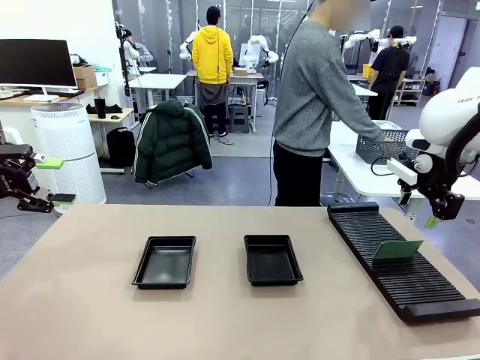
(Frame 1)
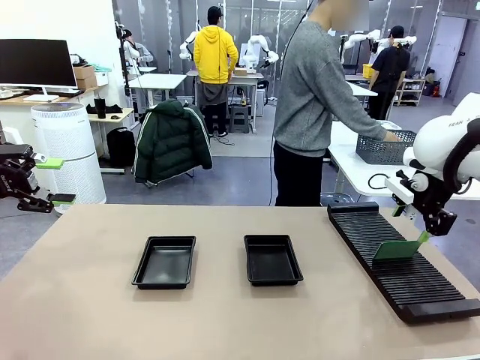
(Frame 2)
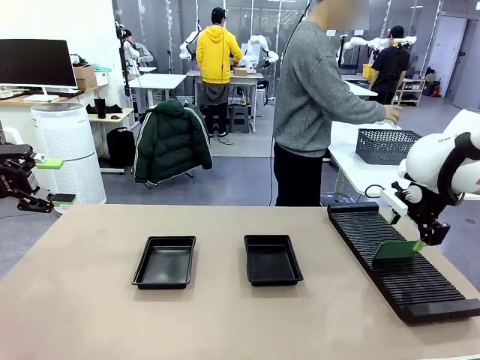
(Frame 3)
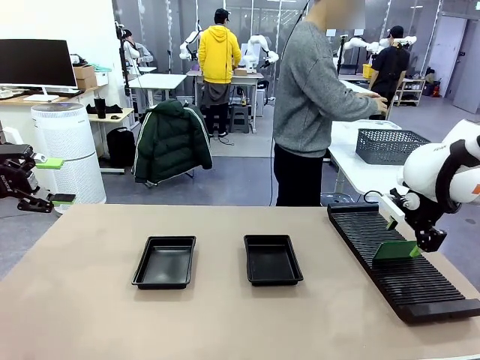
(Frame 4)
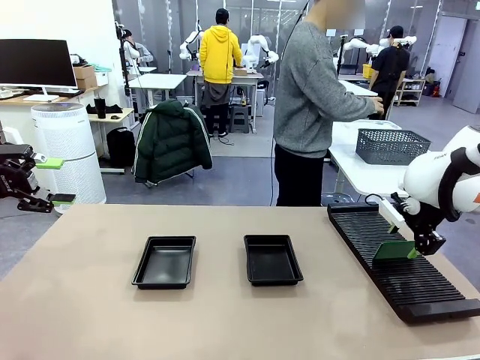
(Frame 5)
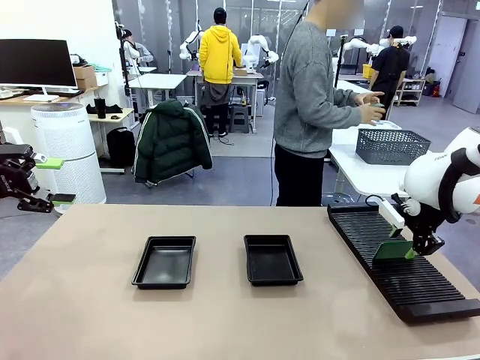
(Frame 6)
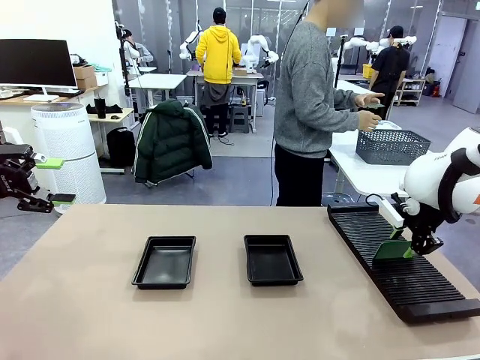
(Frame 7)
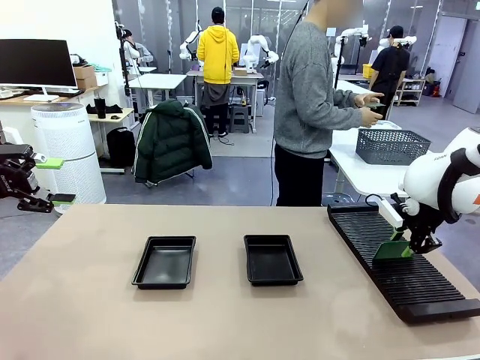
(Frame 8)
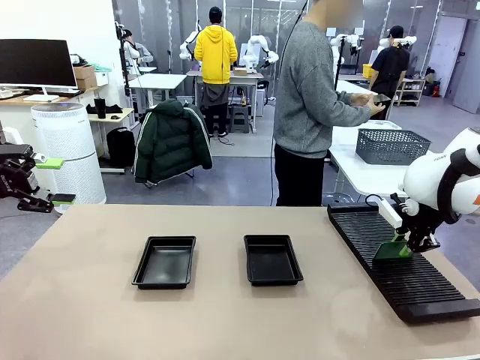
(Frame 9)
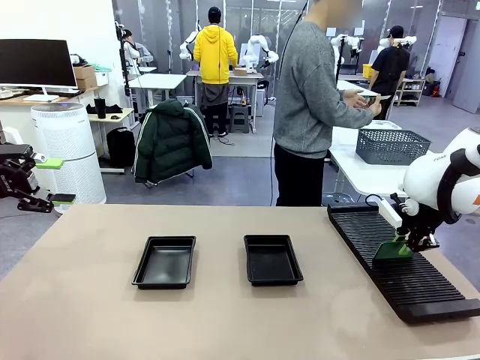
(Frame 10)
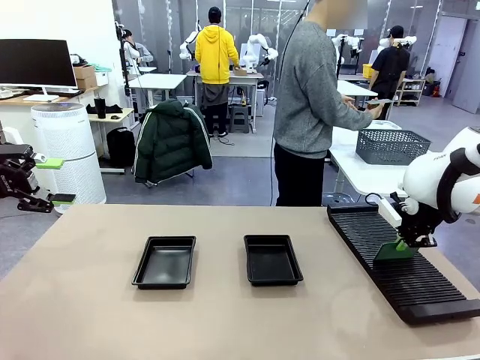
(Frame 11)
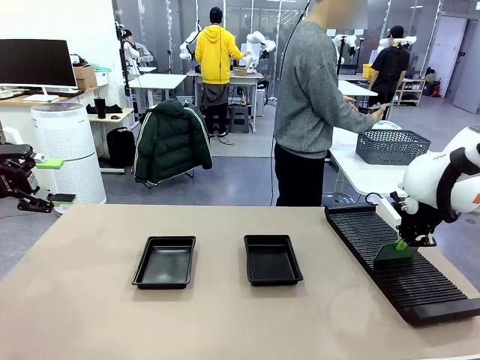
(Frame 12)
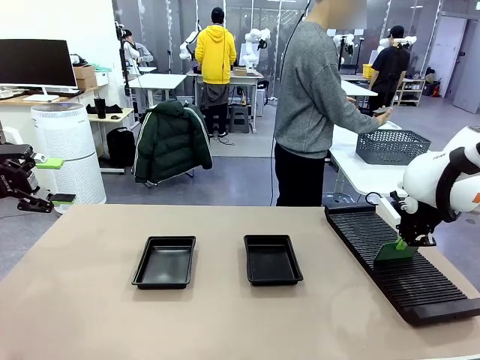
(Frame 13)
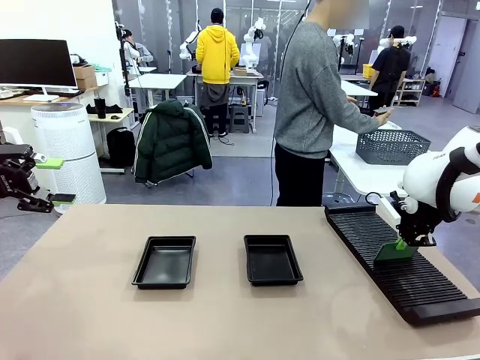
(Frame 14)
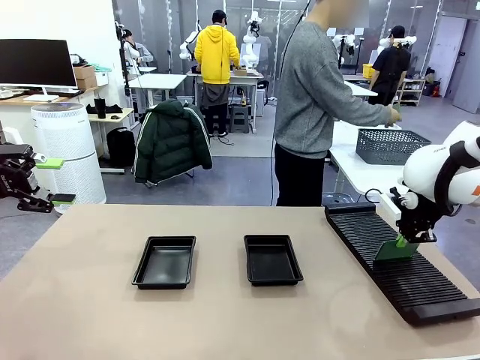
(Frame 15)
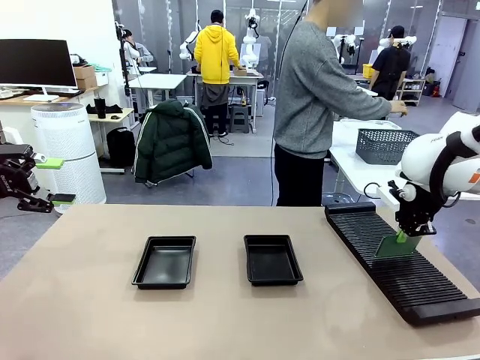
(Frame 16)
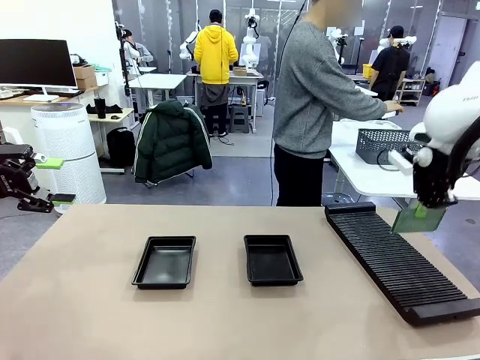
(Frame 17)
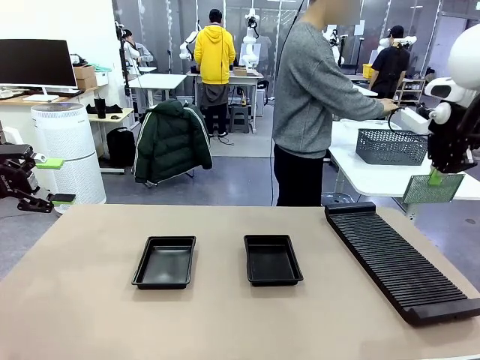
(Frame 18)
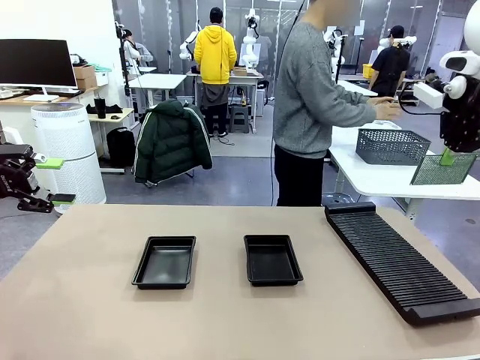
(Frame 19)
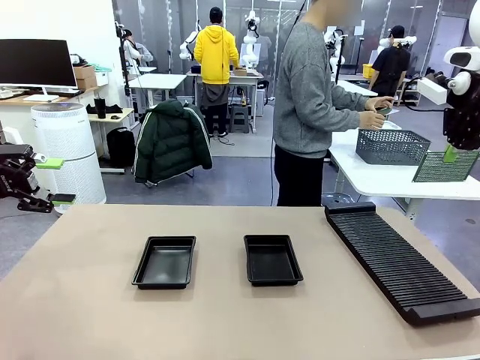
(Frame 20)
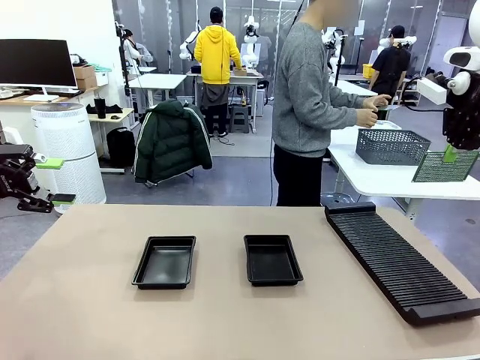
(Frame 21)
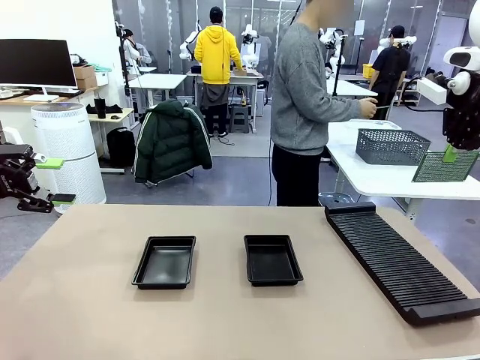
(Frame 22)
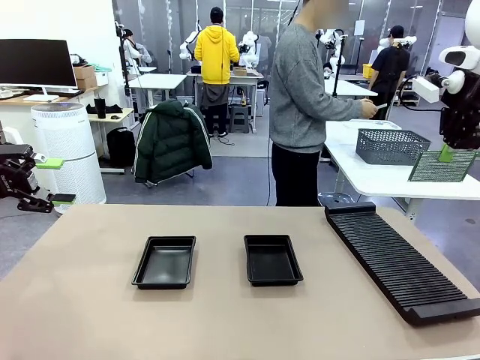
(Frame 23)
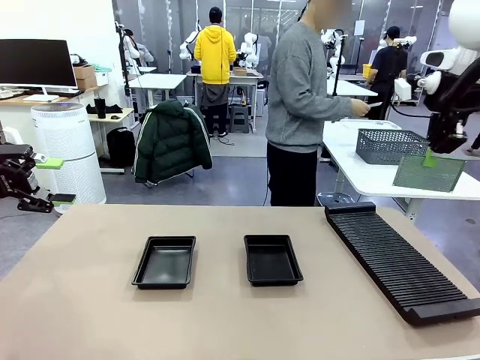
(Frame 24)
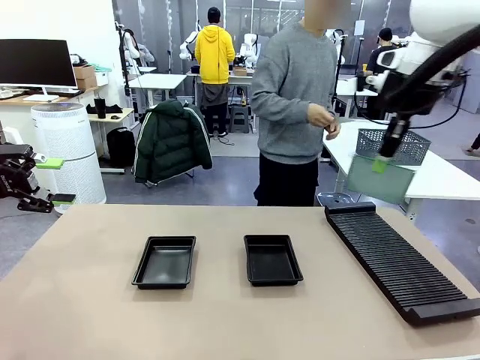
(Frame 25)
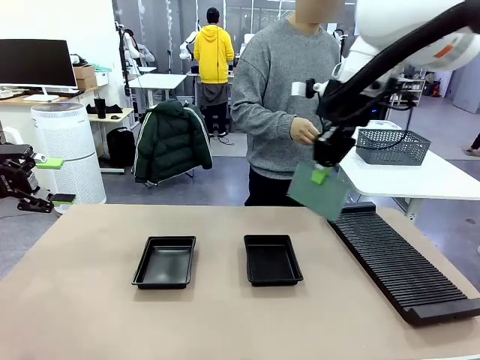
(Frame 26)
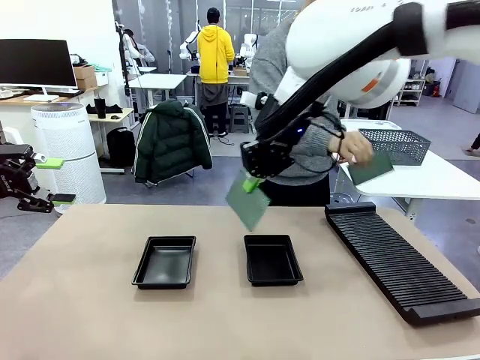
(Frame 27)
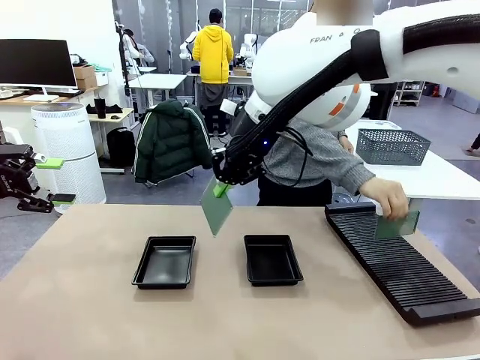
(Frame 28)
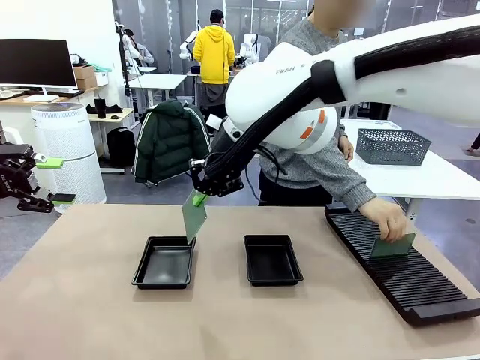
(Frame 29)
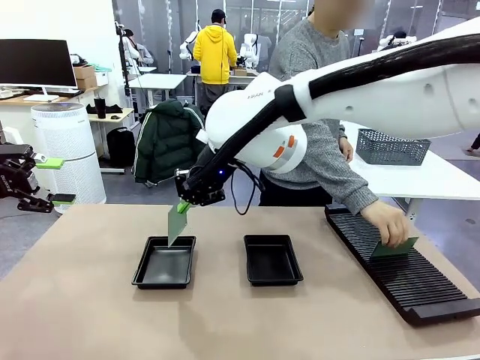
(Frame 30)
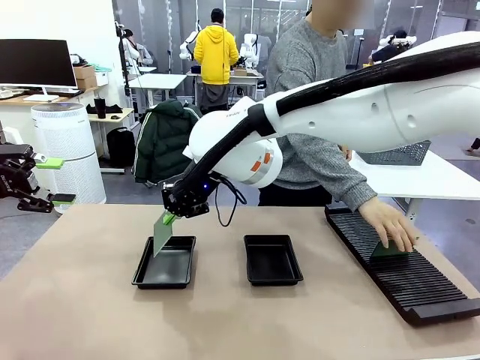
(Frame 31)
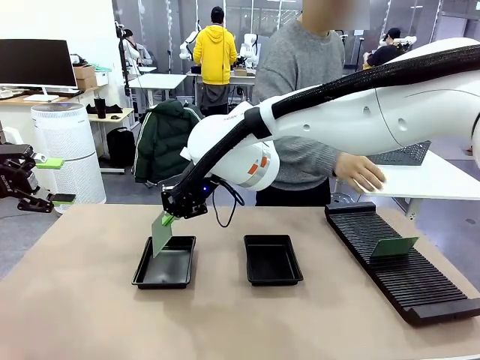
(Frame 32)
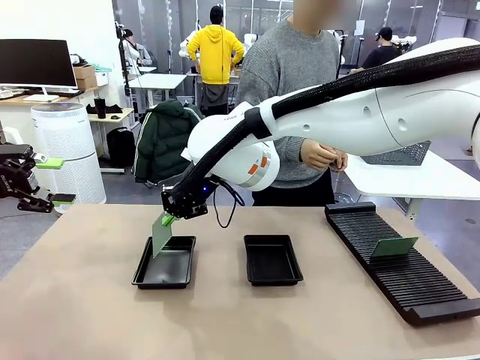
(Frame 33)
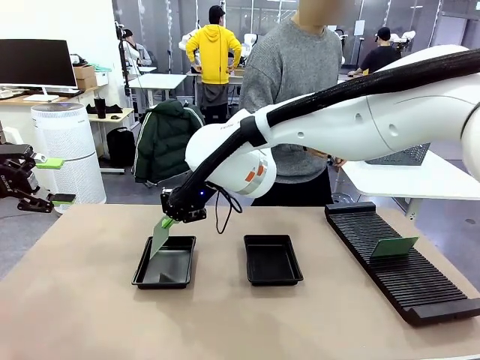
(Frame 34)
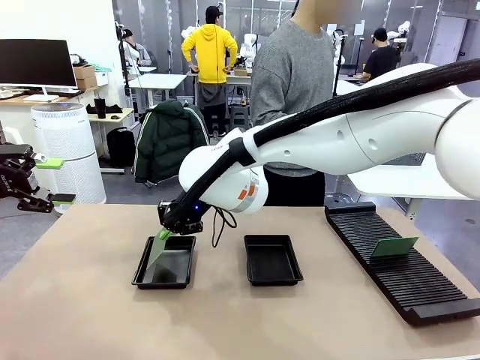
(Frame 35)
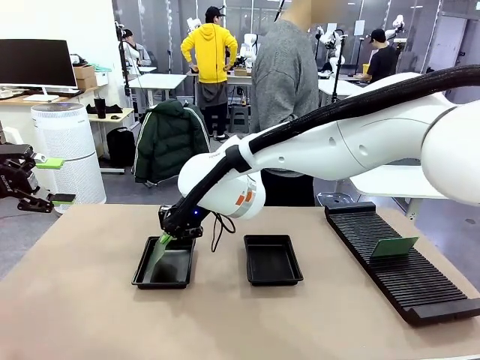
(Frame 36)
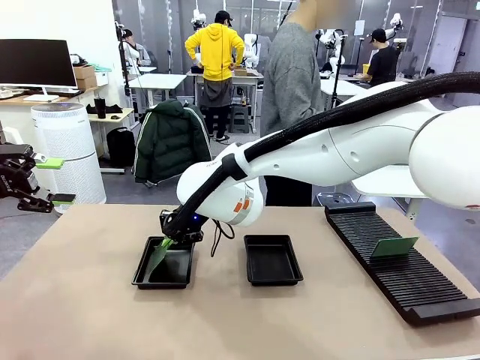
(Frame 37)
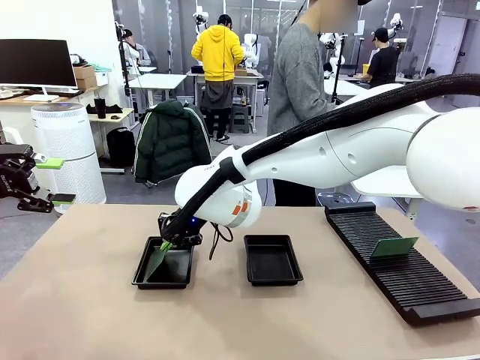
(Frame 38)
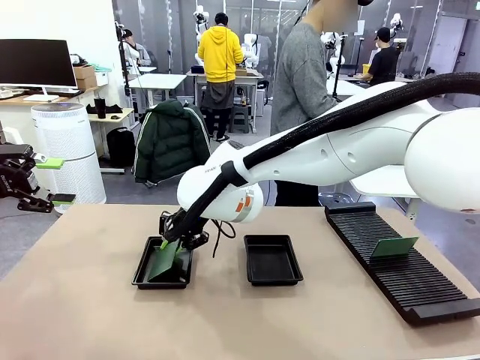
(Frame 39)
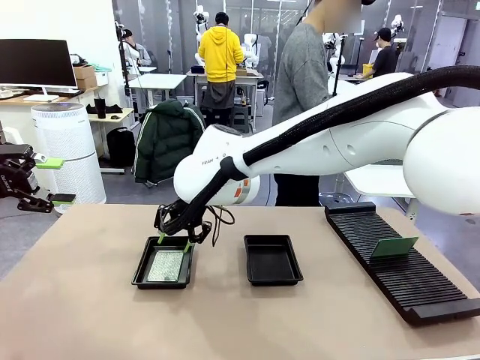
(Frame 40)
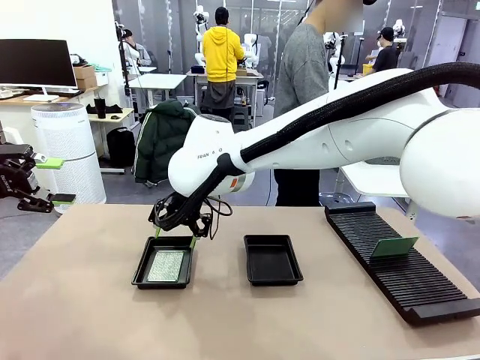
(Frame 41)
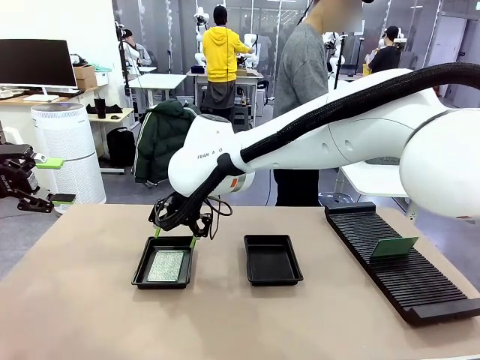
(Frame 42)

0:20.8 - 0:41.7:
Task: Inspect and transfer BCBs to ESD trays.
Robot: Pick up the Blank PCB from the PCB Rack and place it in the left ESD tray.

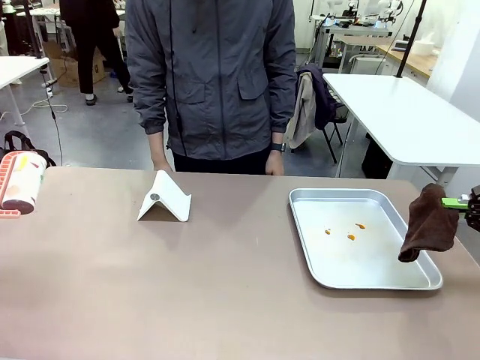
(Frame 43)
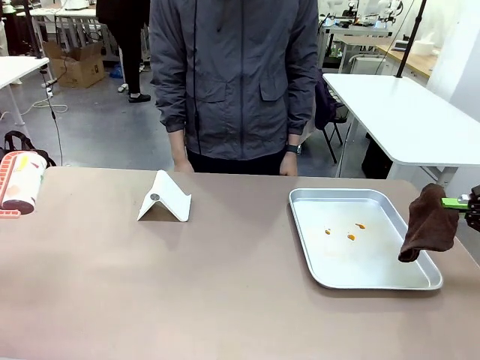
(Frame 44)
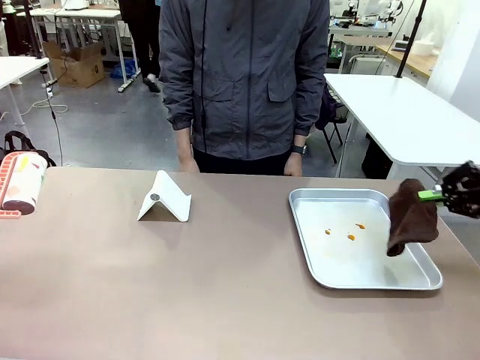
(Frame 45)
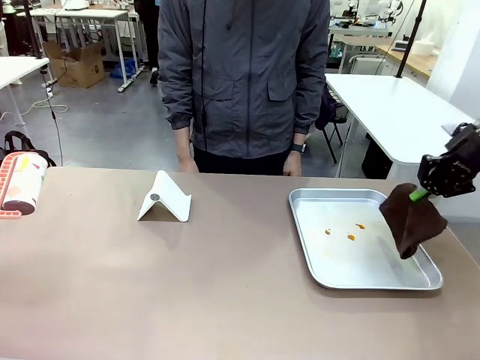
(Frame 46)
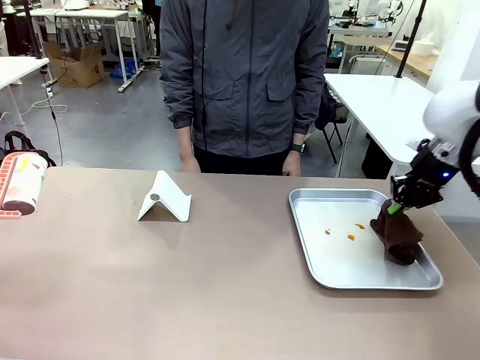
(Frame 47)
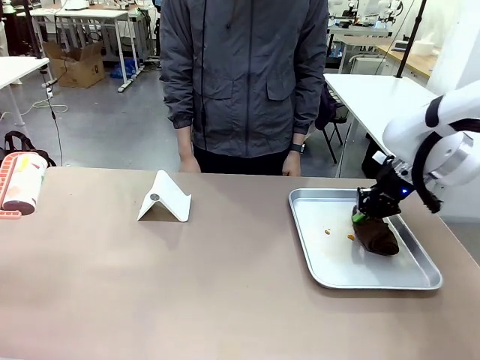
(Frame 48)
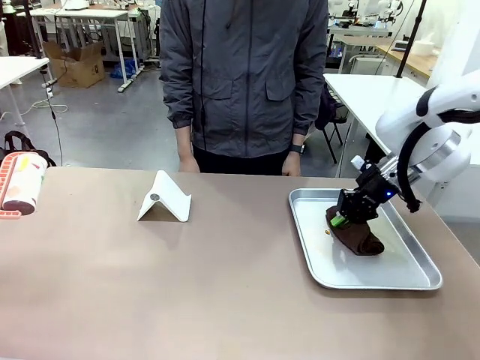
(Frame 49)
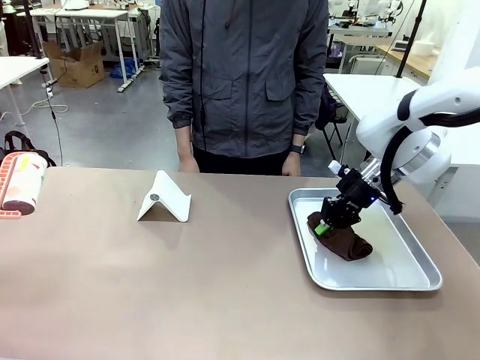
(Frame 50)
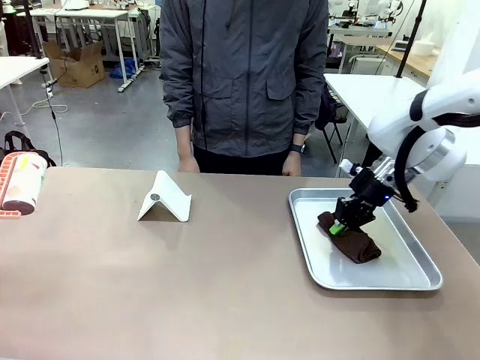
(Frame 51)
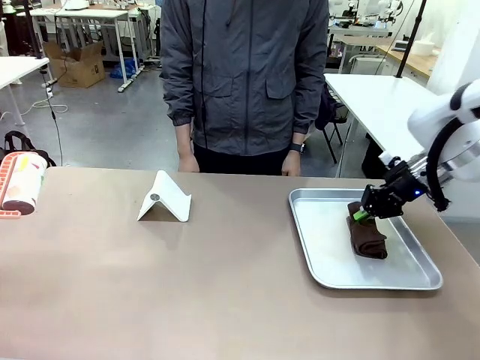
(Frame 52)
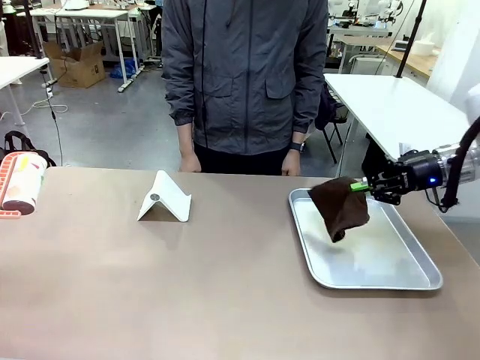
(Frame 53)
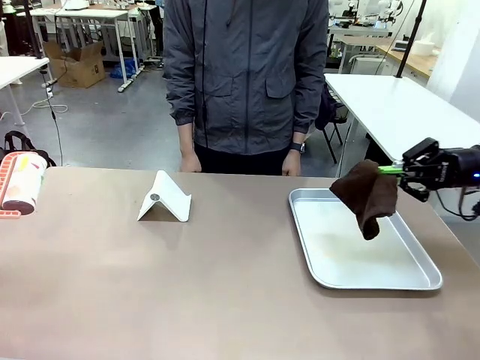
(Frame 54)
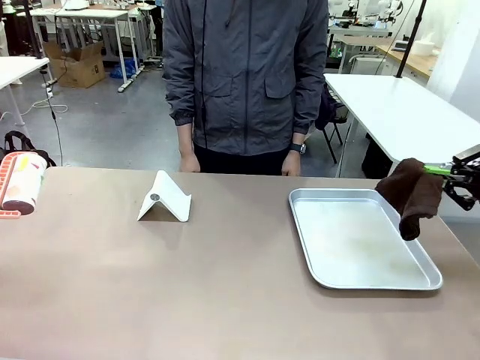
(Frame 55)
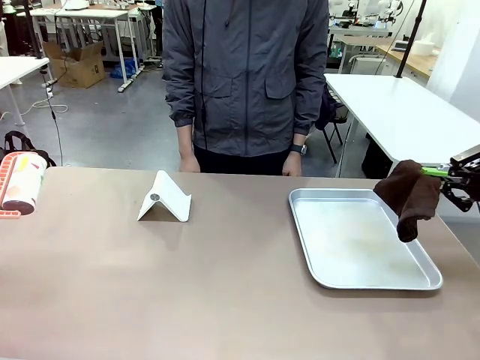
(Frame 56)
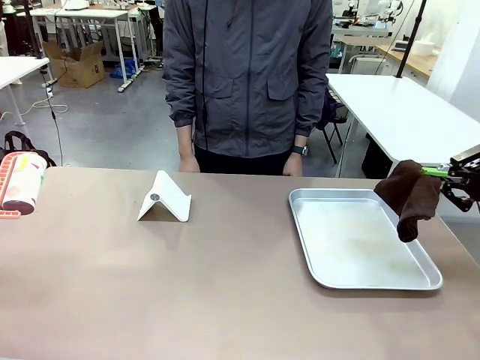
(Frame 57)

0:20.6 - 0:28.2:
Task: Clean the surface of the table.
Robot: Clean the area not pointed to by the person.
